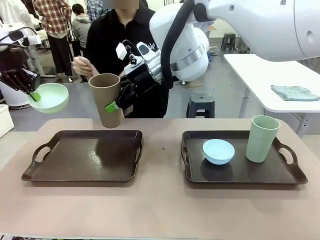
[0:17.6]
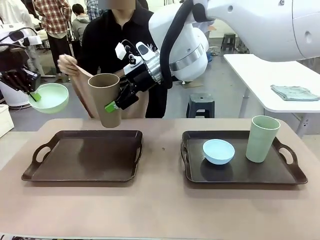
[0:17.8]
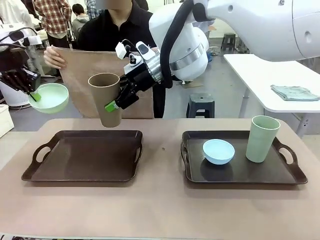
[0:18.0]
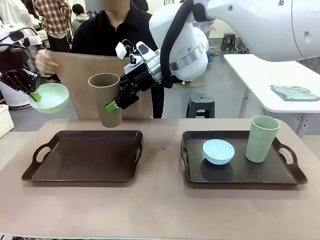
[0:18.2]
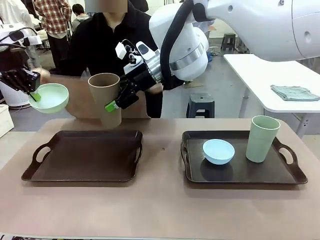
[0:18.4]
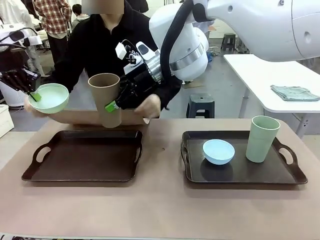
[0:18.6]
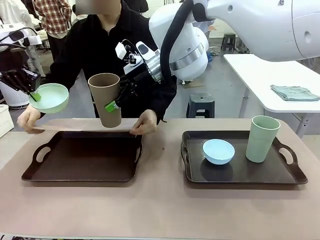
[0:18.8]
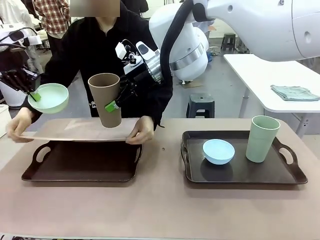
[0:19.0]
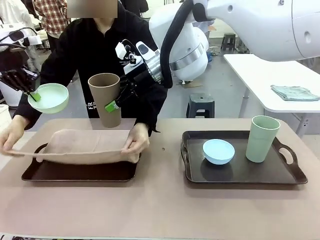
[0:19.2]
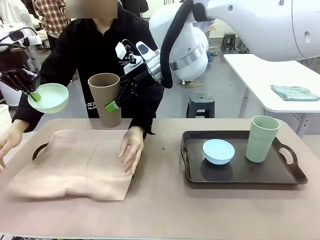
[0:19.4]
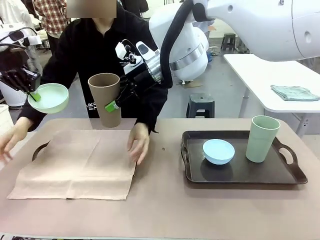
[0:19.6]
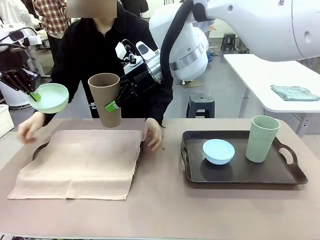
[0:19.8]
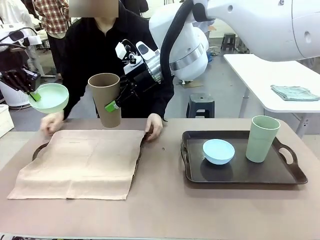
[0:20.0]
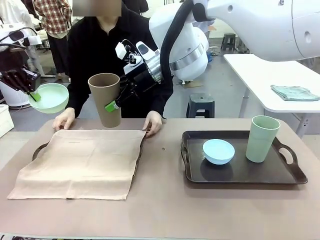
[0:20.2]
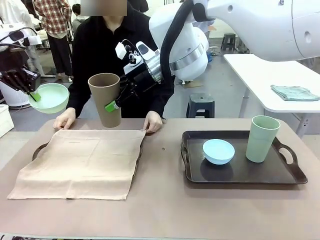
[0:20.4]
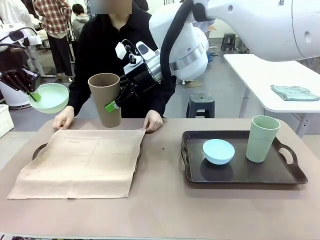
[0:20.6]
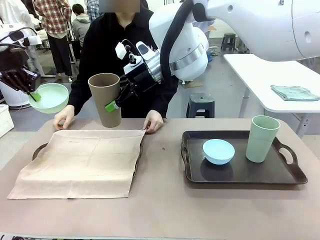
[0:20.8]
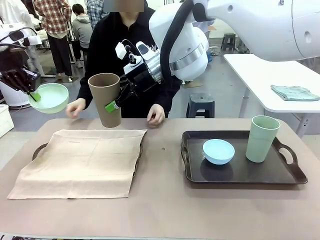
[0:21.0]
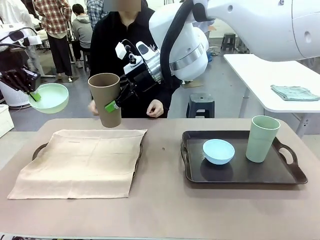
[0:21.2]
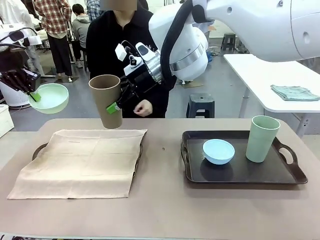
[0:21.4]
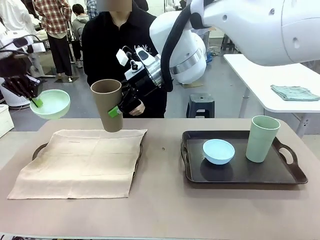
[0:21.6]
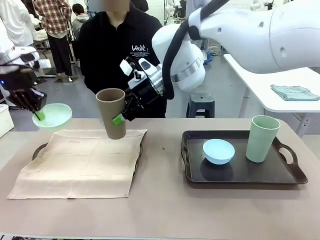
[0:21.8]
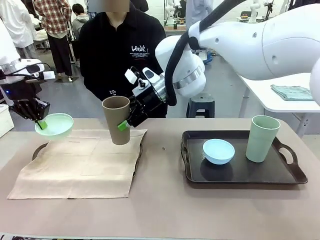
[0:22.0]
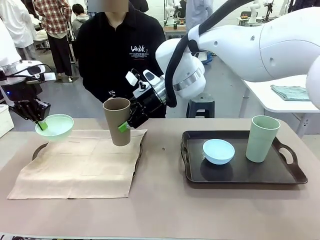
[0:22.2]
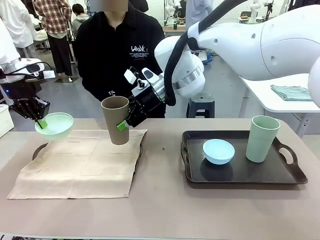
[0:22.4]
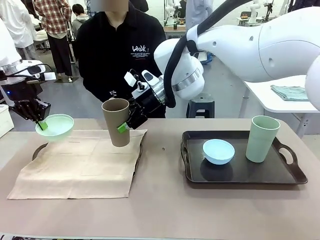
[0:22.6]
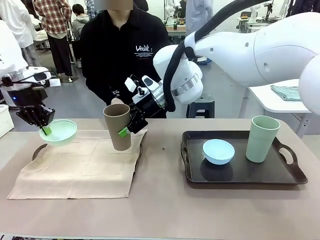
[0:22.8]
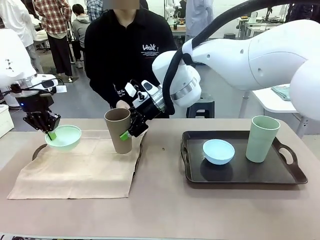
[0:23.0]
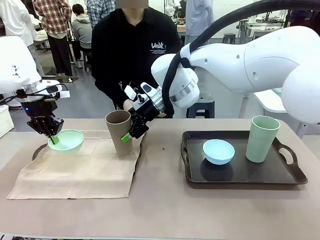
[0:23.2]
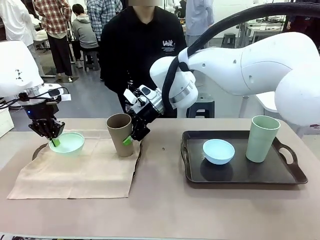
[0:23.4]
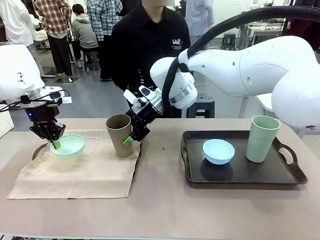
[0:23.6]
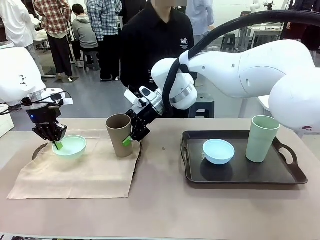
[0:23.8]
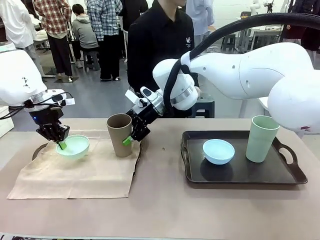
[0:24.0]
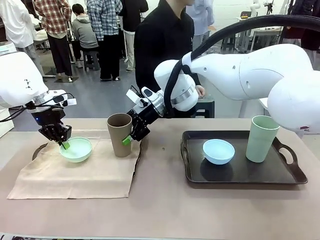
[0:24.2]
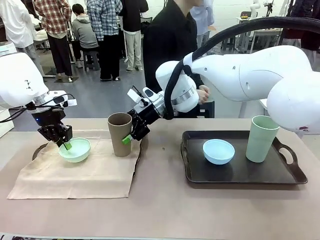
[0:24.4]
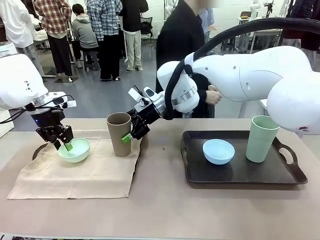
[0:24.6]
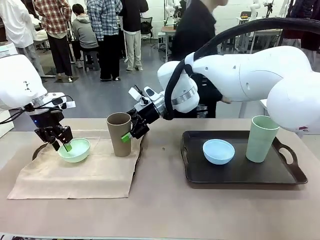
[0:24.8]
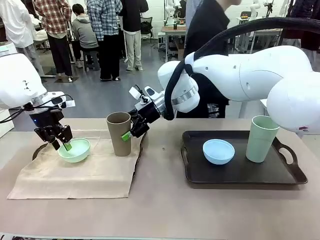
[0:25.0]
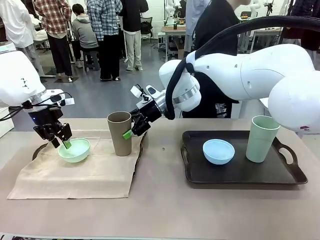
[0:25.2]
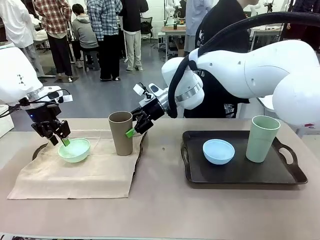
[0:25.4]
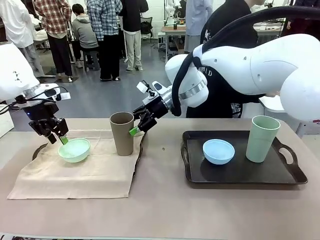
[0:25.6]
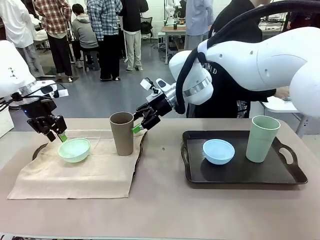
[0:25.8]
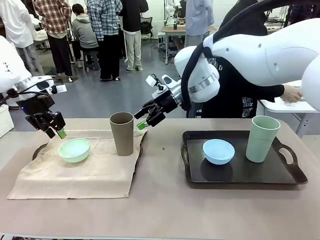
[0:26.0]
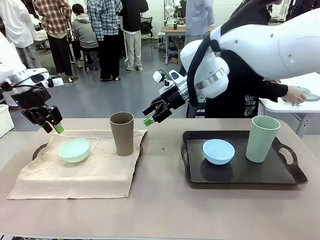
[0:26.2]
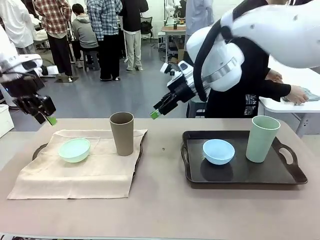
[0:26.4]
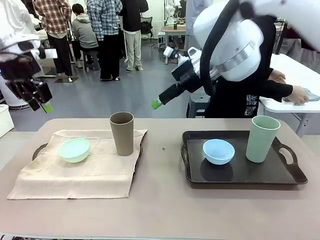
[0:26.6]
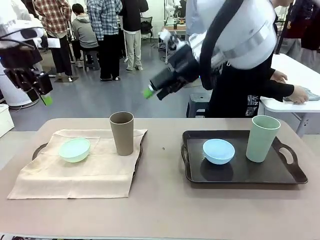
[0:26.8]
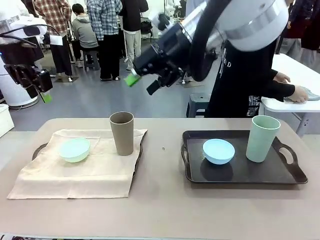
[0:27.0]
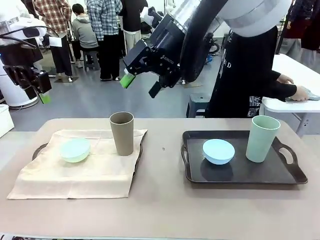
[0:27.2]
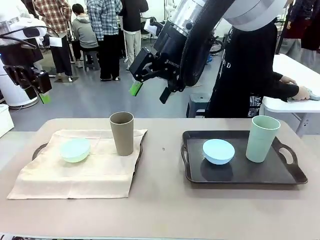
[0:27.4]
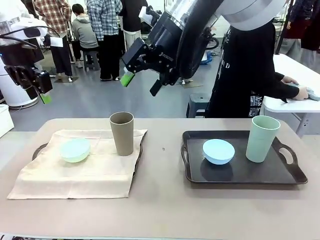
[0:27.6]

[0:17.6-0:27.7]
Robot: Place the Picnic Bowl and Reusable plastic cup back onto the Handle tray in front of the human's position.
Person: The human returns to the human table to pick up another napkin and walks to the robot table to stand in front of the tray without a napkin.

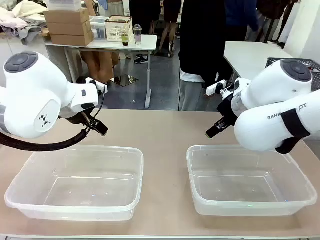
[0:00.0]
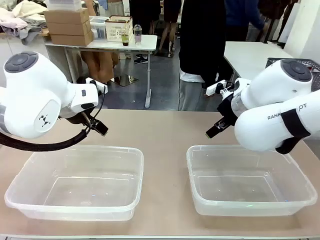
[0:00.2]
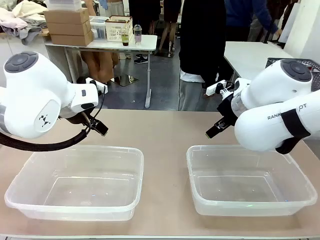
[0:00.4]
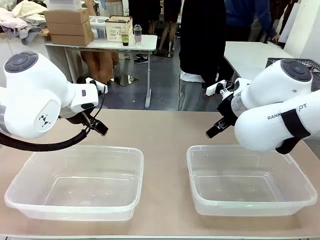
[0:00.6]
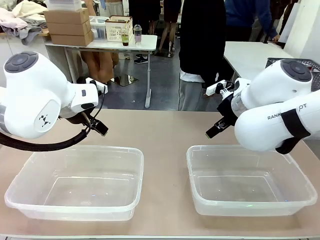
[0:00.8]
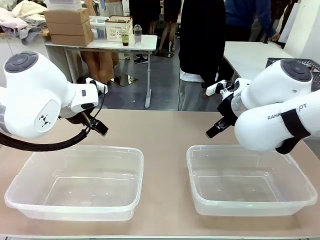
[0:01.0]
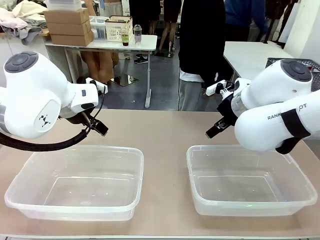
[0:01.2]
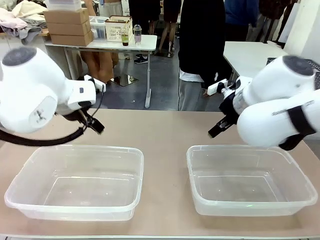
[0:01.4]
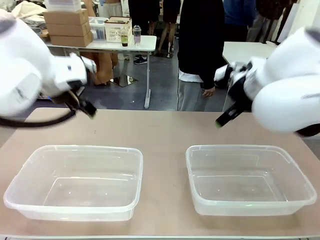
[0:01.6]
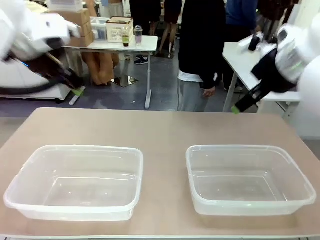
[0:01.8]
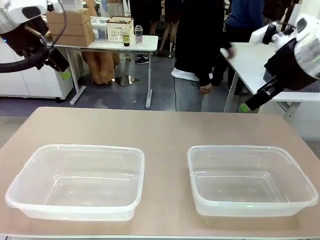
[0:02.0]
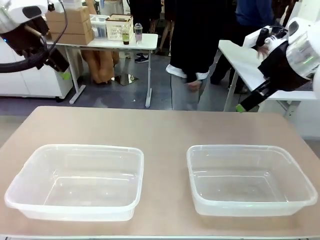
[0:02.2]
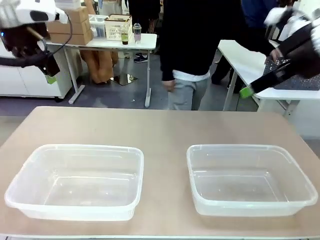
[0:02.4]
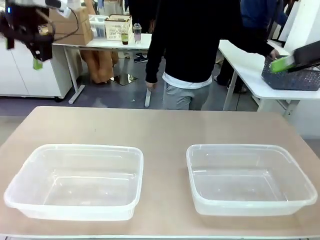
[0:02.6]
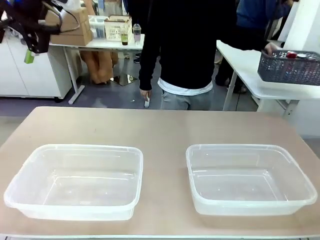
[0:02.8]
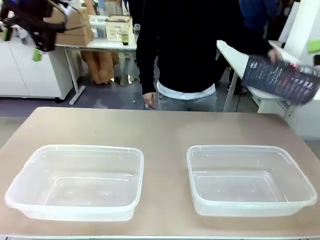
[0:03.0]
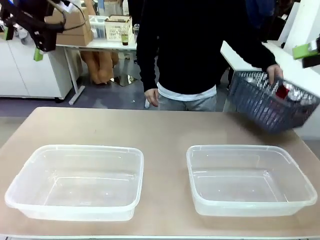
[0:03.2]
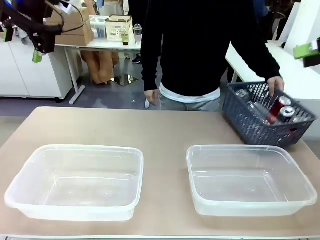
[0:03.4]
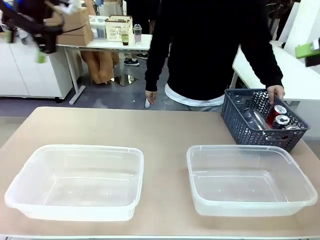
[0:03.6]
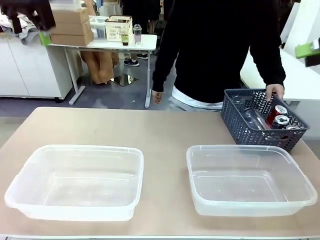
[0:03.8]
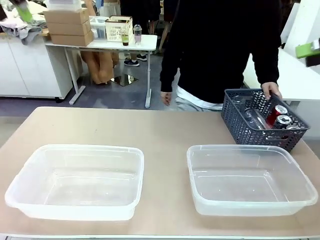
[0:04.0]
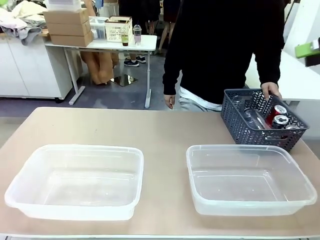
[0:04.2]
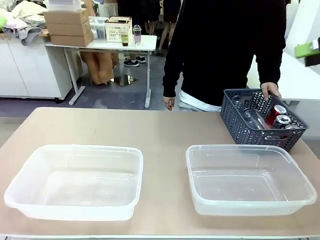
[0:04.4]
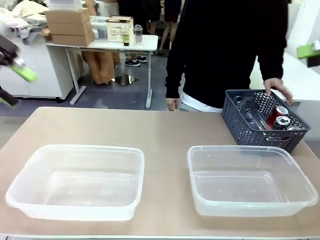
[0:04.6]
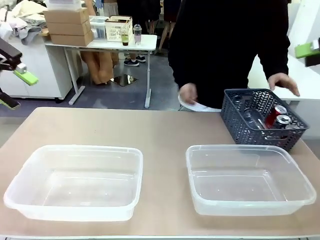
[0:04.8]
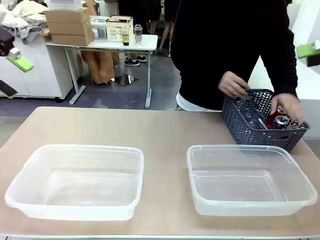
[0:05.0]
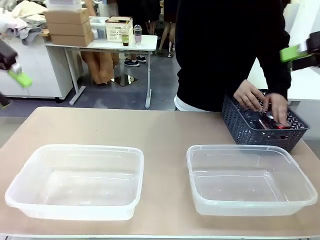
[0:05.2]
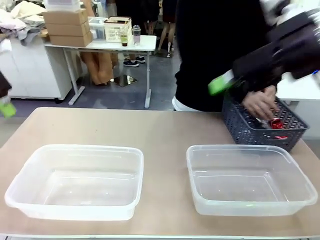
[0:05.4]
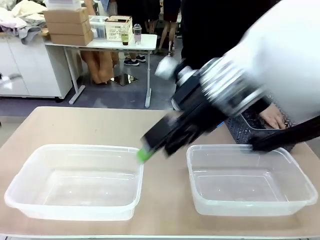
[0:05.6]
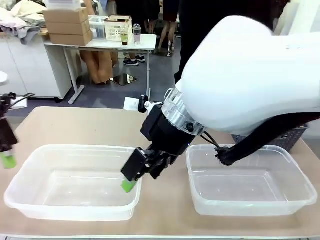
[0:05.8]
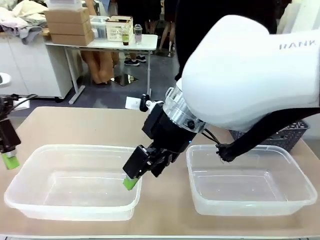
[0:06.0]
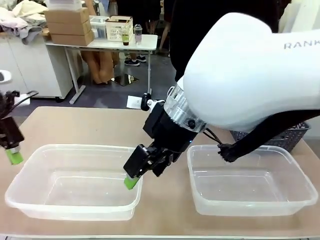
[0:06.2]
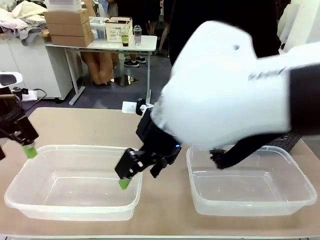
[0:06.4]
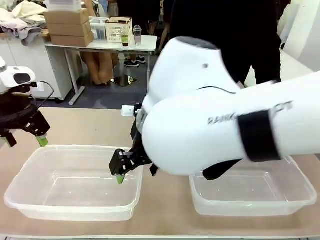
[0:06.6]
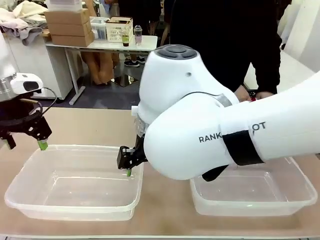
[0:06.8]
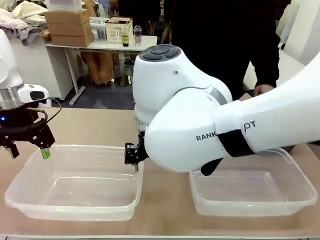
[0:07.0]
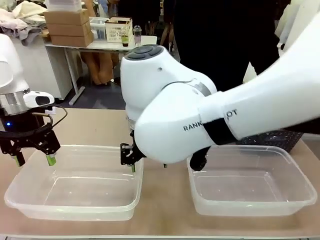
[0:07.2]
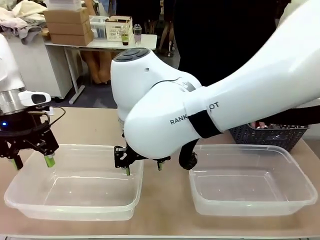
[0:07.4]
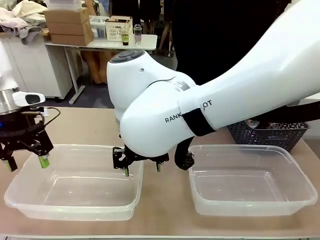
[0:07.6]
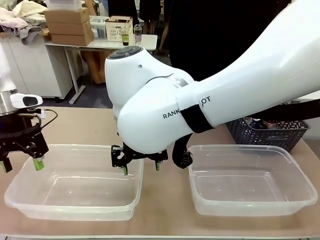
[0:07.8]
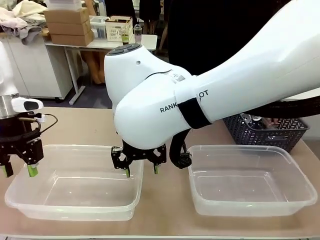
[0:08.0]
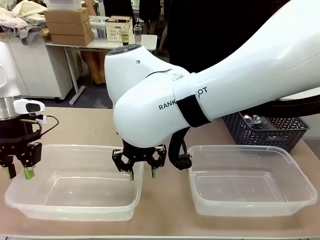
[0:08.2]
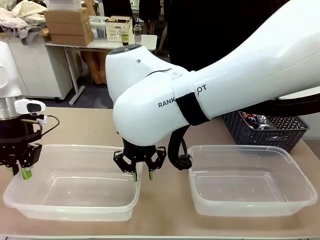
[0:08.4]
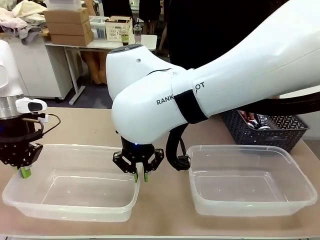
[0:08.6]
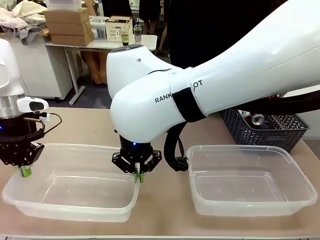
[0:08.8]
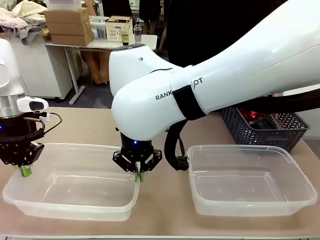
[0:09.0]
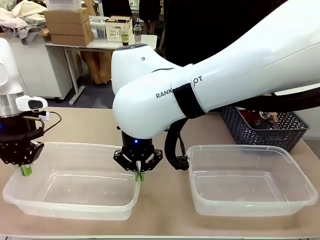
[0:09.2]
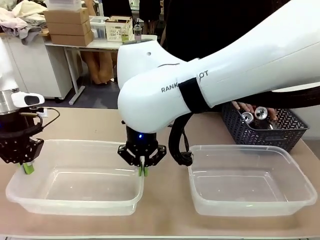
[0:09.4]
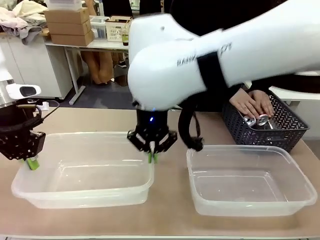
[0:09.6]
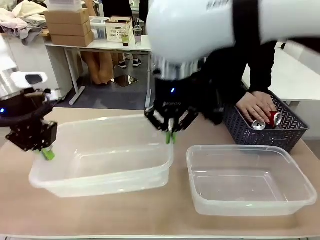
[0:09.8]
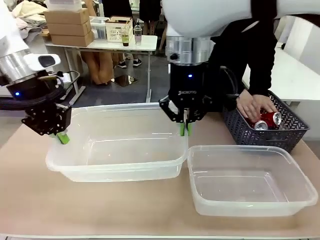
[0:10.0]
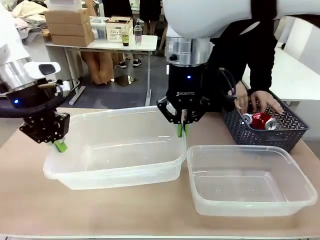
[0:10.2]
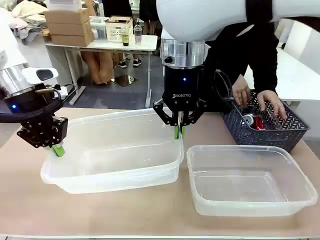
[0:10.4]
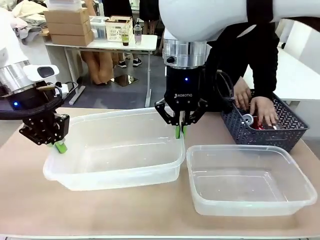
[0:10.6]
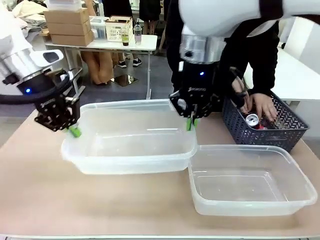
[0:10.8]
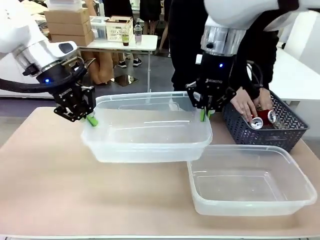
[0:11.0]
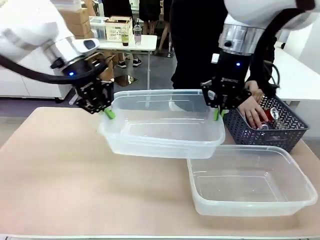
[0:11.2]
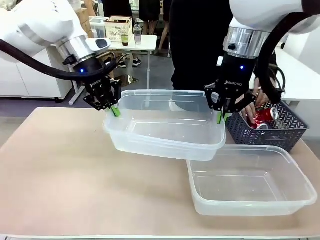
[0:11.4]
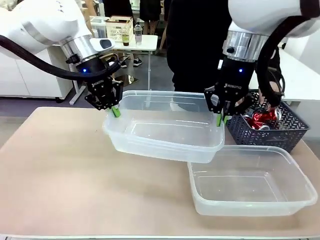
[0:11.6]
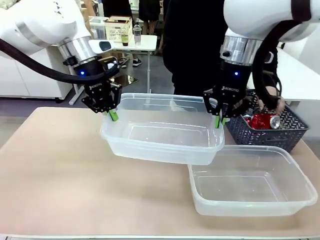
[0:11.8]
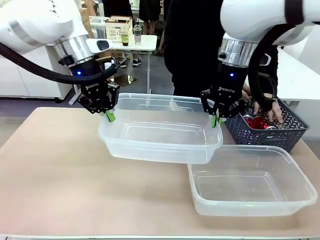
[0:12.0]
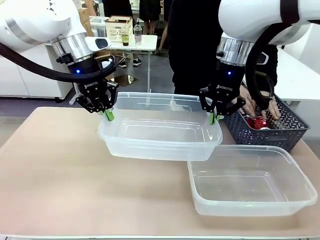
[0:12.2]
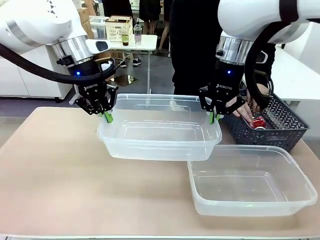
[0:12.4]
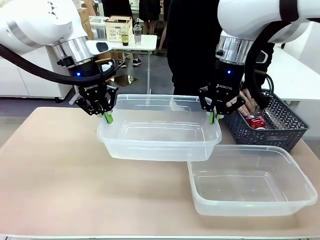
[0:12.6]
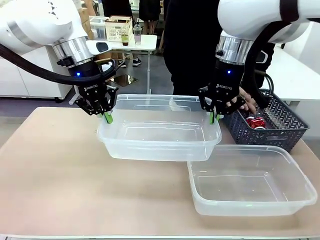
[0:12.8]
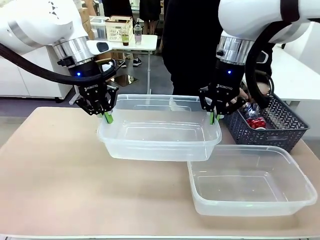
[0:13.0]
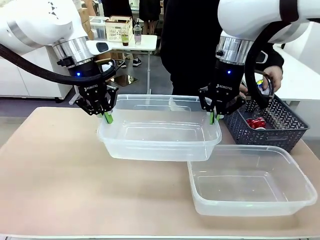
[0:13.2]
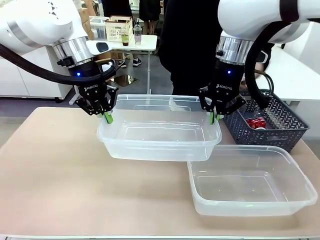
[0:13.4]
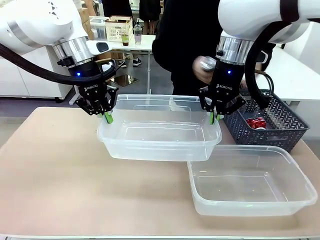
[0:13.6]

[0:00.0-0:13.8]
Robot: Pick up the Organizing box on the left side of the table and lift it.
Person: Pick up the storage basket and place it on the left side of the robot table. Pick up can-shaped waste one by one and place it into the organizing box lifted by the robot.
